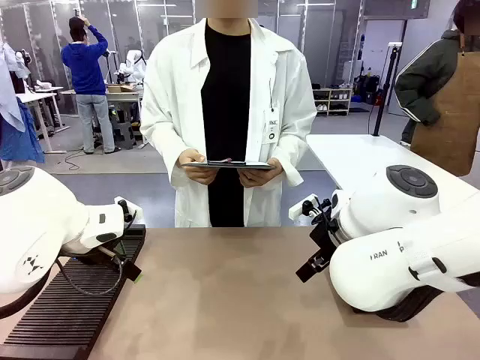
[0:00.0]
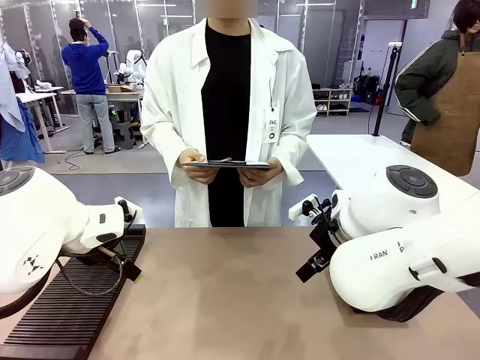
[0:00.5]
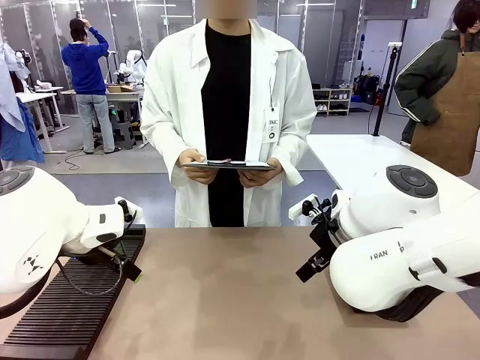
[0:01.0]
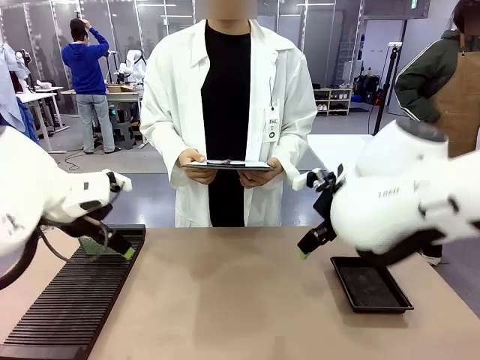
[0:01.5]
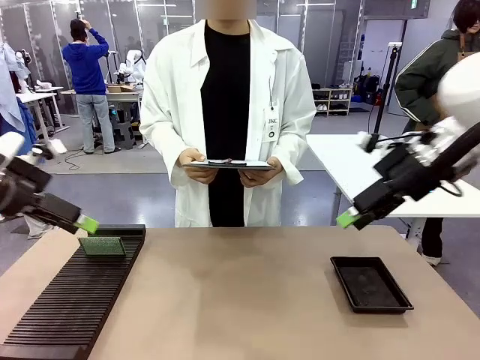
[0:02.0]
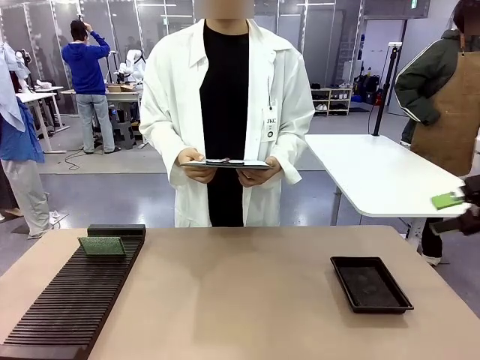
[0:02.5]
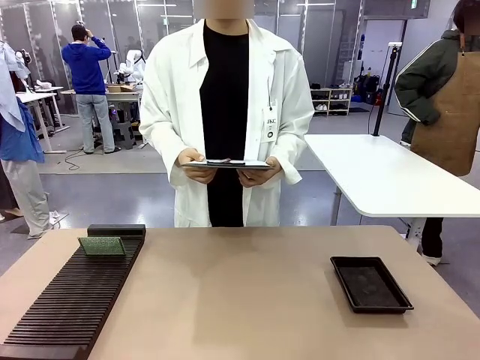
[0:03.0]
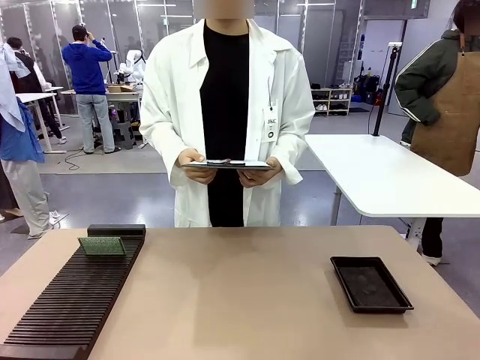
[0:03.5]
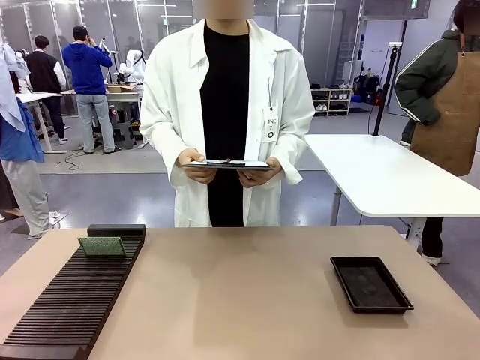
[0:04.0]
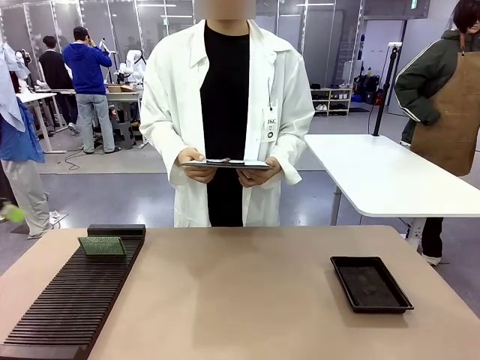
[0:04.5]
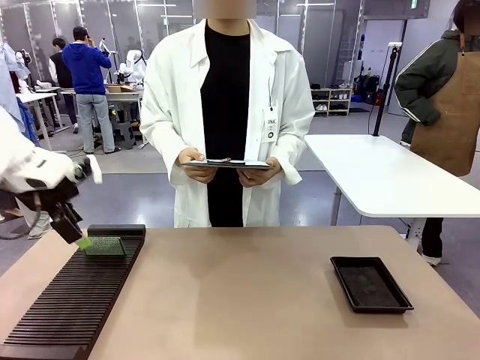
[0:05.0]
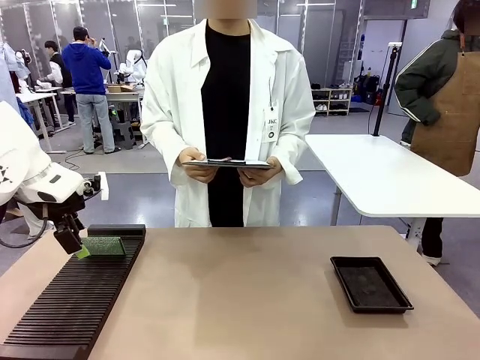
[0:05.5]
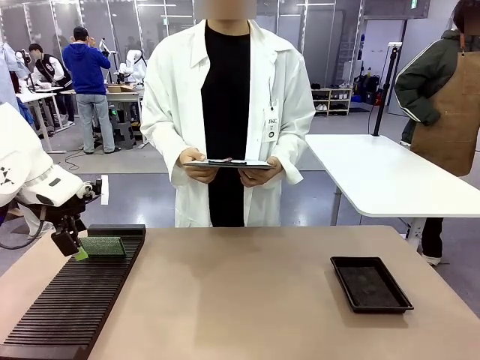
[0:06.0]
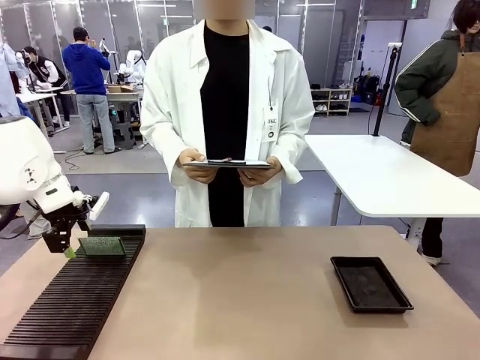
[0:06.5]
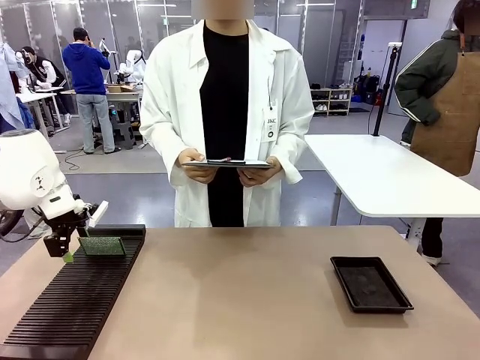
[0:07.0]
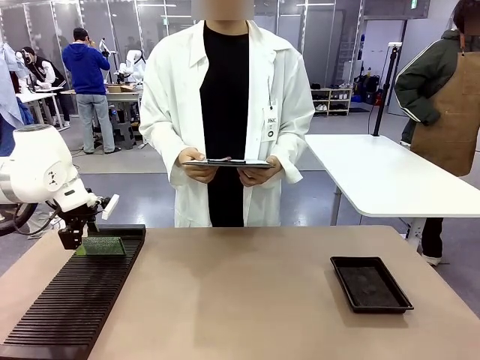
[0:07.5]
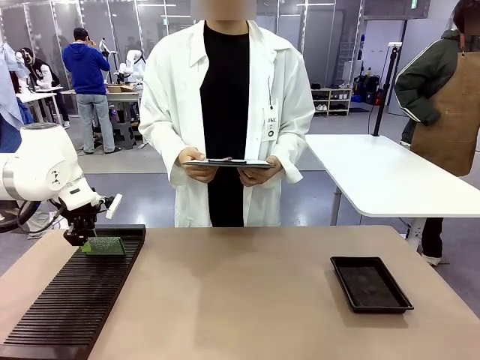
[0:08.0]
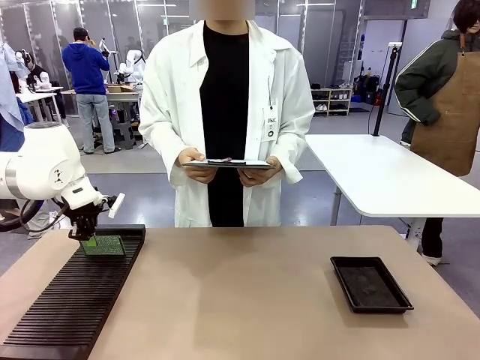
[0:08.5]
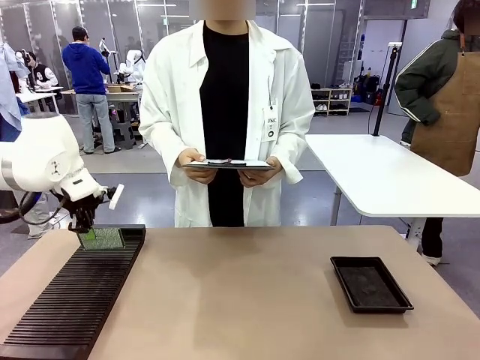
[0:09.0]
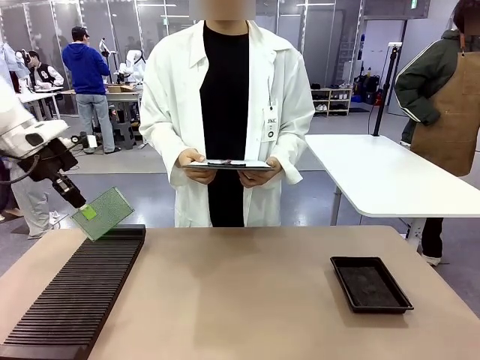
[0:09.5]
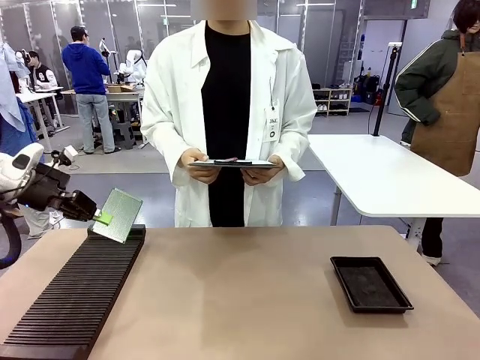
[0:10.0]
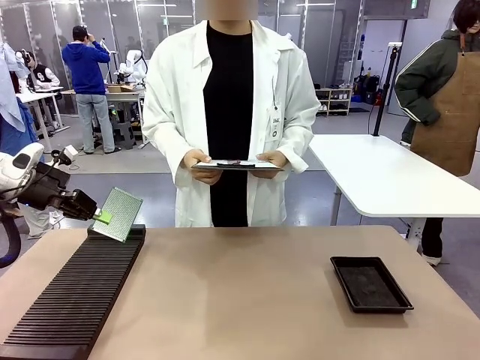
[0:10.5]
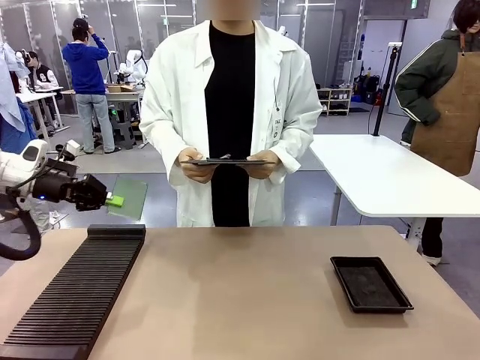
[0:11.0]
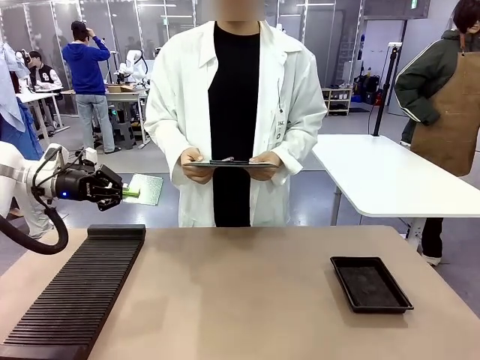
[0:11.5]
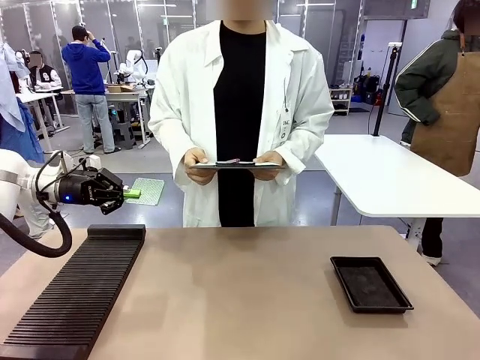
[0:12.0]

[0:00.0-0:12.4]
Task: Inspect the PCB.
Robot: Pick up the Blank PCB and present it to the human.
Person: Pick up the PCB presented by the robot.

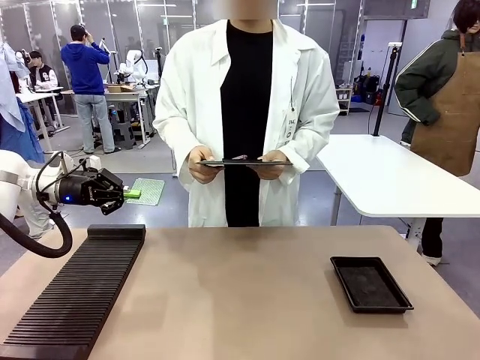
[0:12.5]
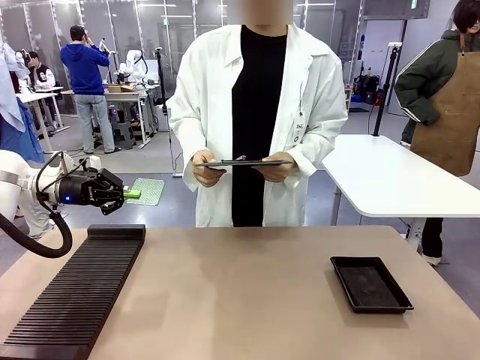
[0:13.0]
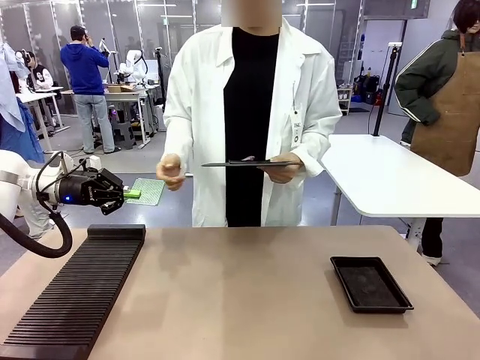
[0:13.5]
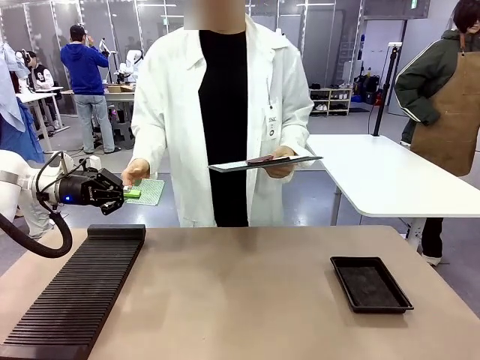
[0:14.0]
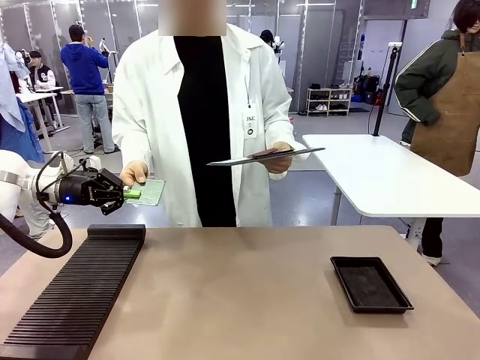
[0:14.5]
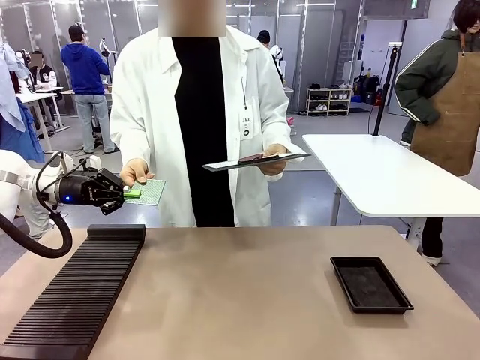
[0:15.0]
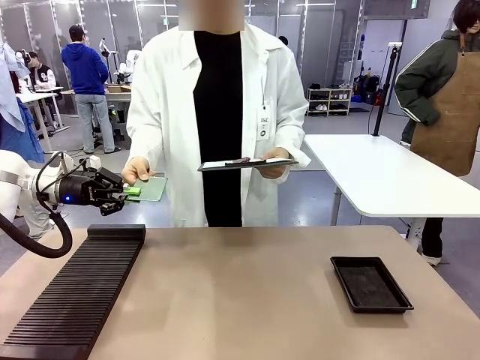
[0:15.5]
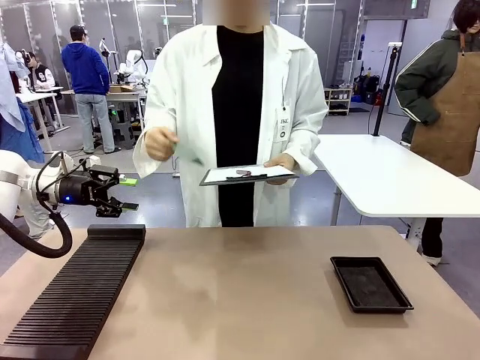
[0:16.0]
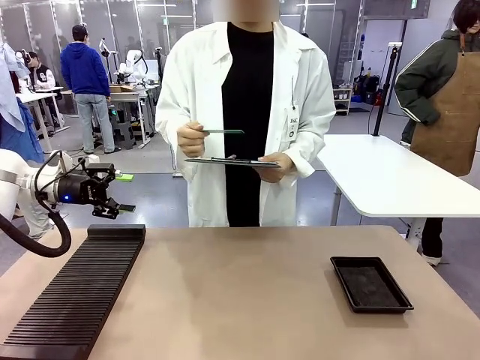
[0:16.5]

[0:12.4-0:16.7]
Robot: Release the Blank PCB you were holding.

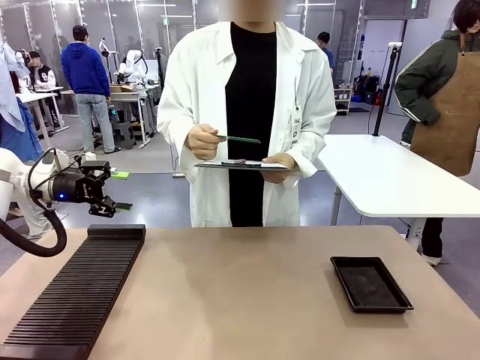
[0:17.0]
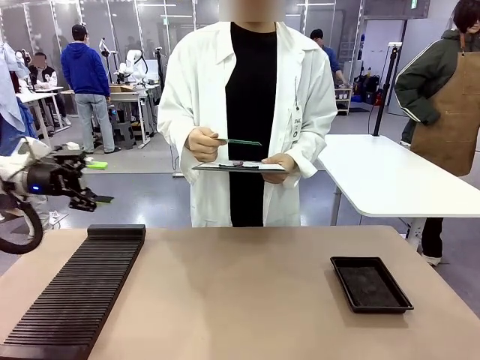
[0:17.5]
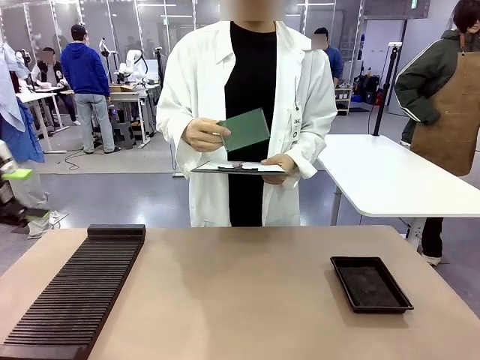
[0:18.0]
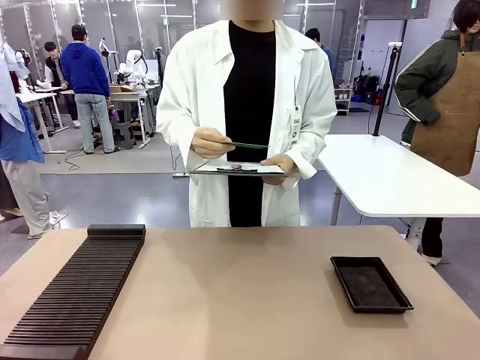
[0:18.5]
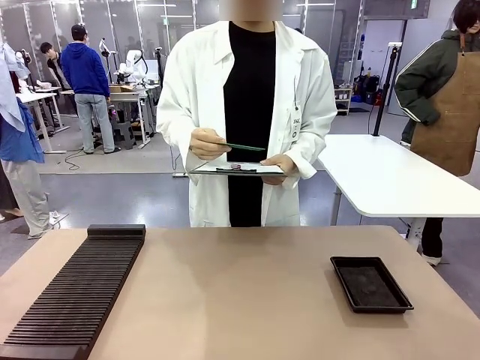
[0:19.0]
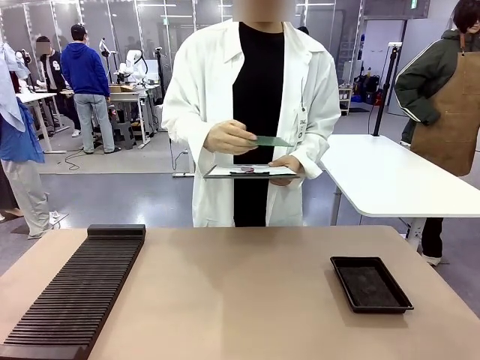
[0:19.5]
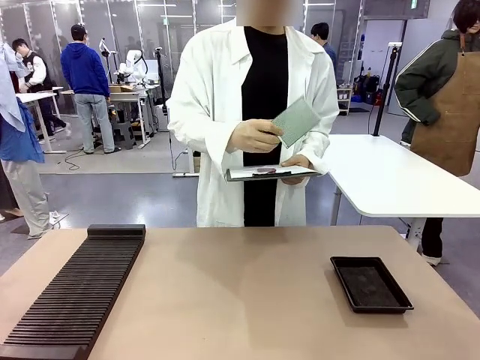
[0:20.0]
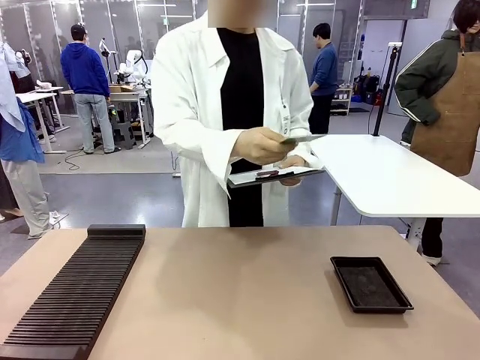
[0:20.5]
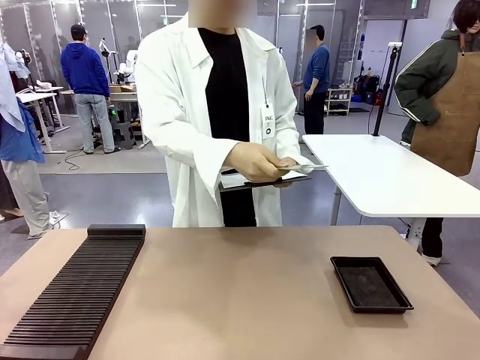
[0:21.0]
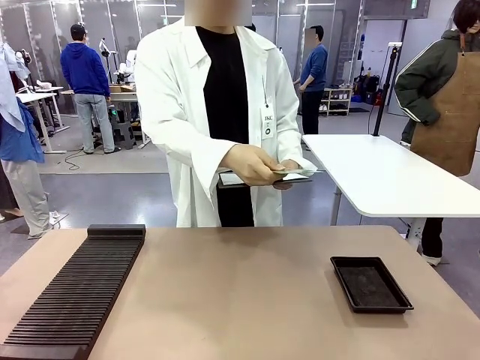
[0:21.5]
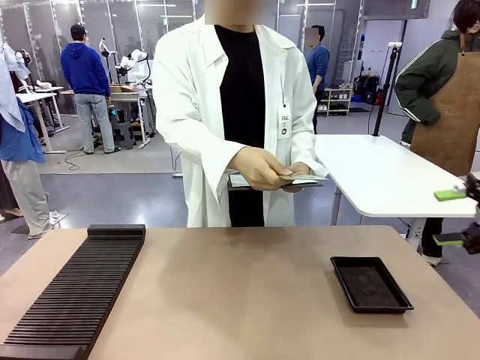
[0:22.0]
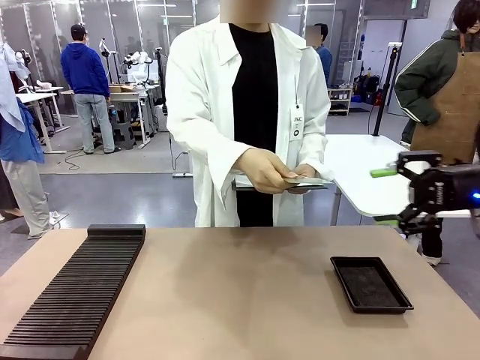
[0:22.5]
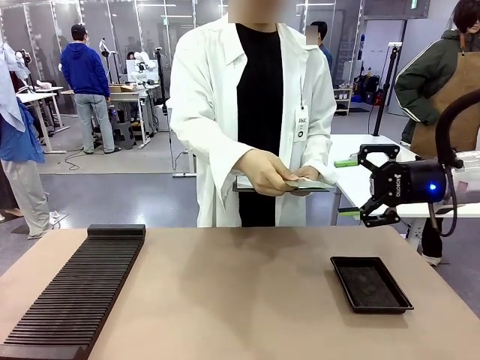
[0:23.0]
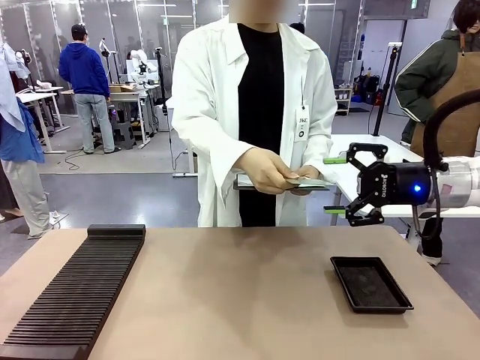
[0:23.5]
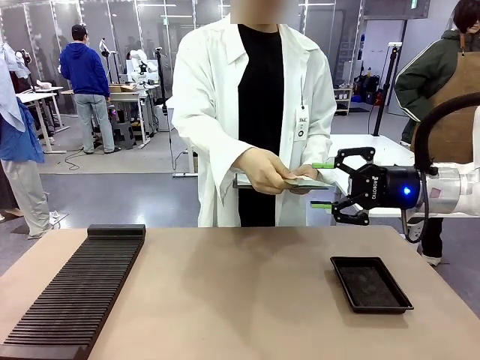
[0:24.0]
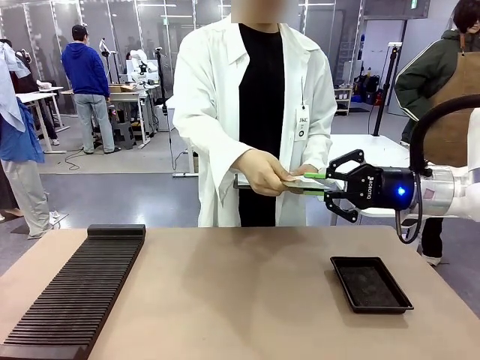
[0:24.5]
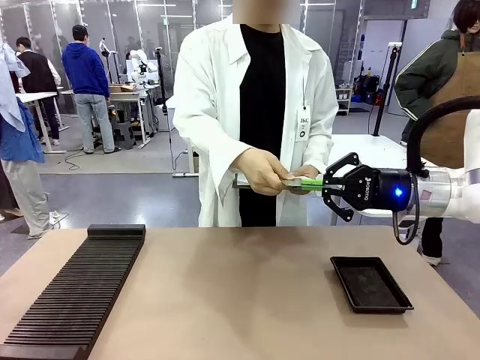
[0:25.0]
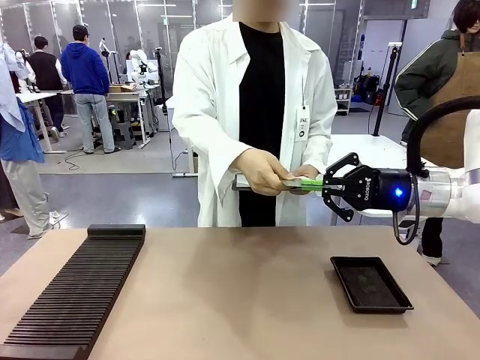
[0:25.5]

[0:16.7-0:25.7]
Robot: Pick up the Blank PCB that the human is holding.
Person: Inspect the PCB placed by the robot, then hold it out in front of the robot. Release the PCB you were holding.
